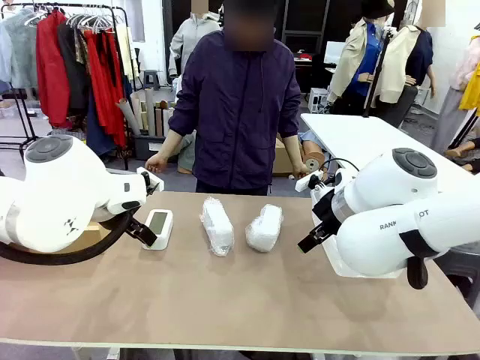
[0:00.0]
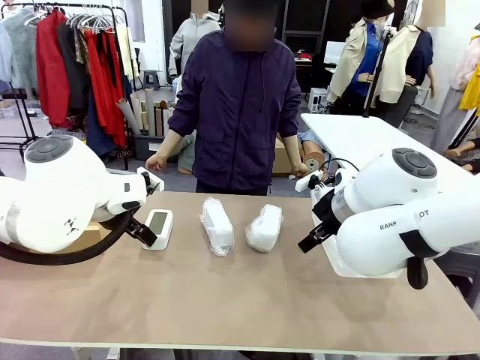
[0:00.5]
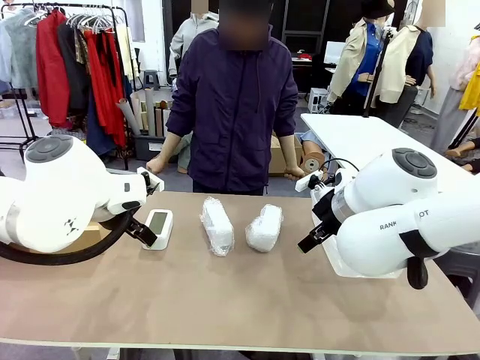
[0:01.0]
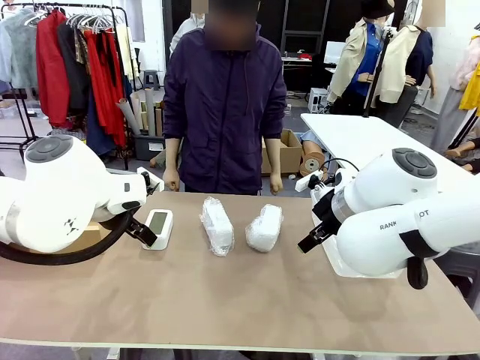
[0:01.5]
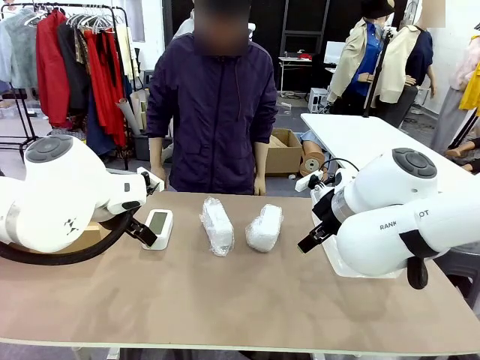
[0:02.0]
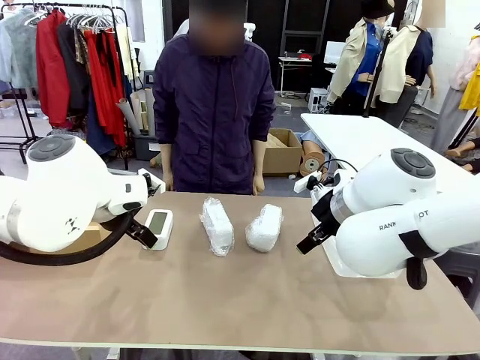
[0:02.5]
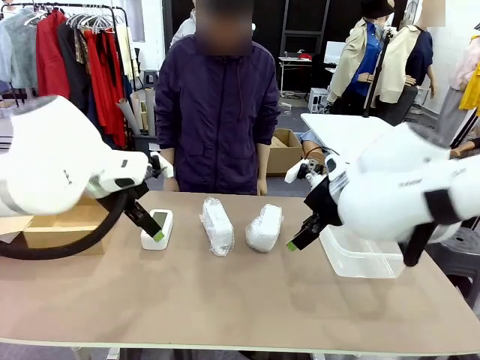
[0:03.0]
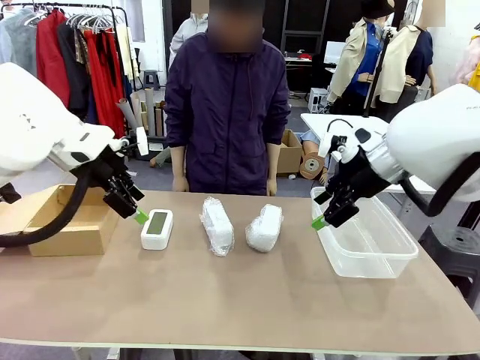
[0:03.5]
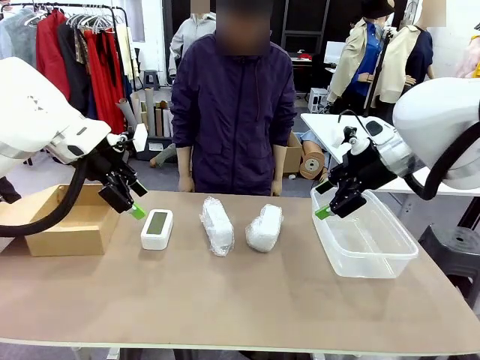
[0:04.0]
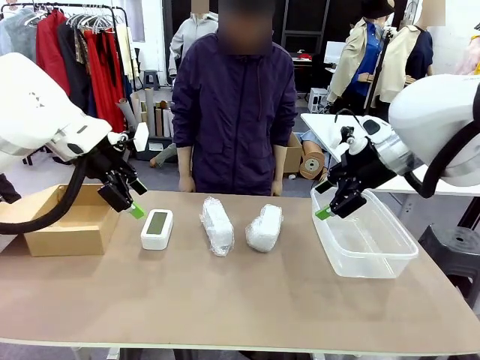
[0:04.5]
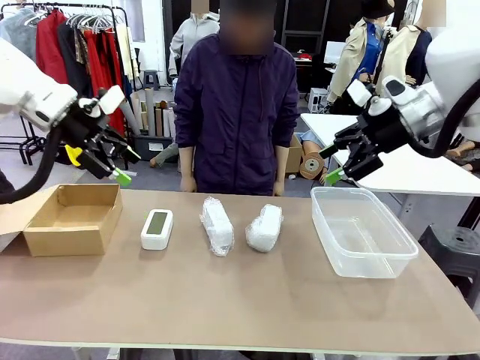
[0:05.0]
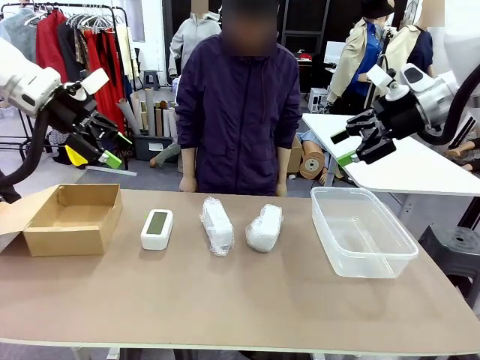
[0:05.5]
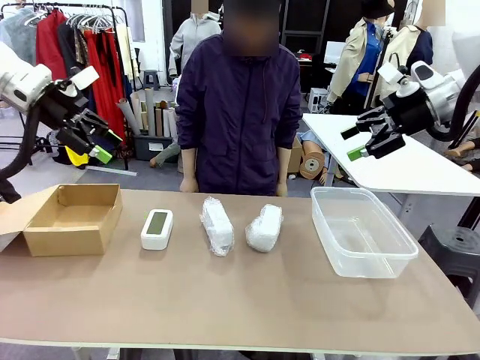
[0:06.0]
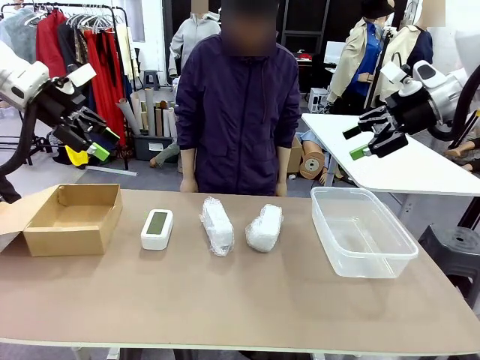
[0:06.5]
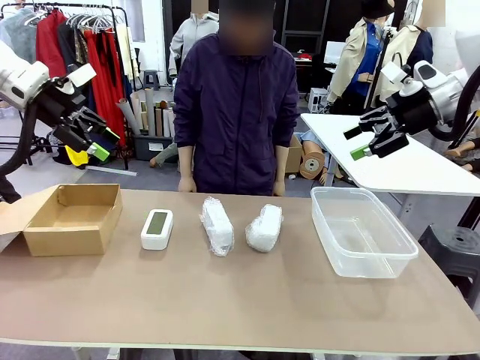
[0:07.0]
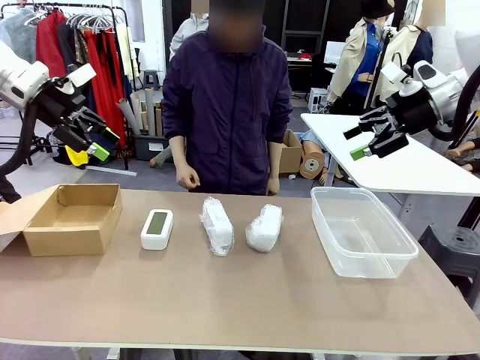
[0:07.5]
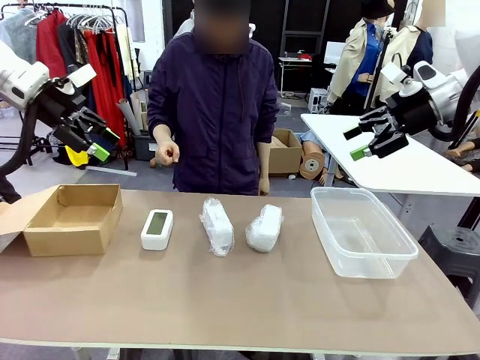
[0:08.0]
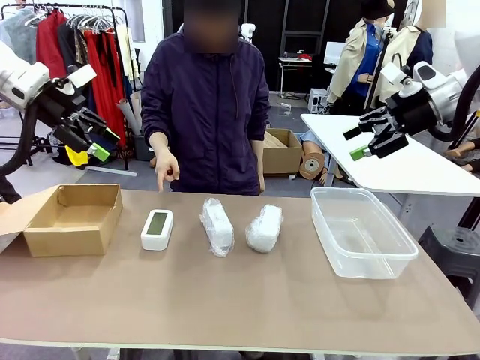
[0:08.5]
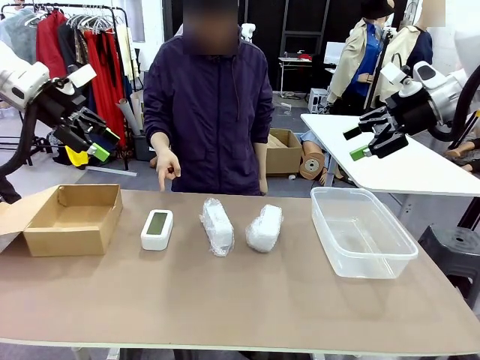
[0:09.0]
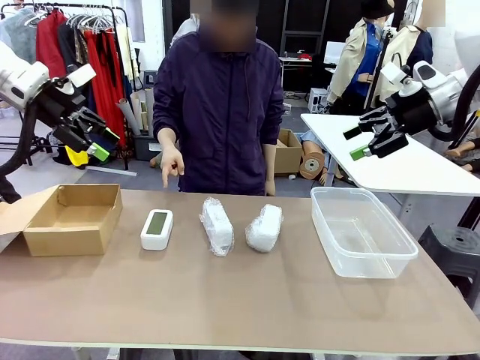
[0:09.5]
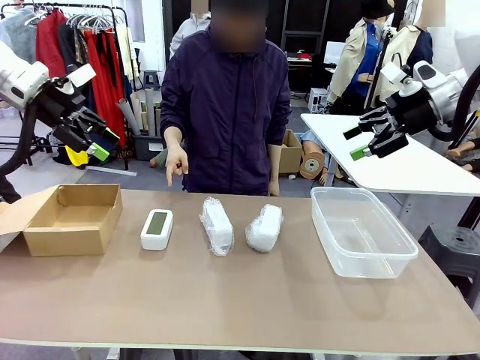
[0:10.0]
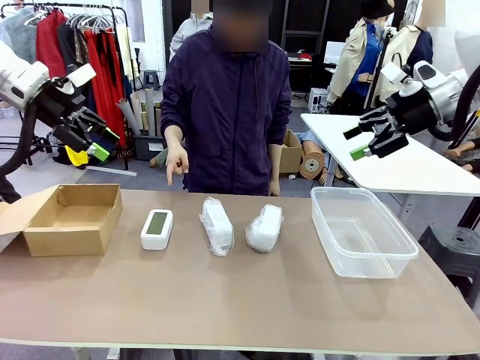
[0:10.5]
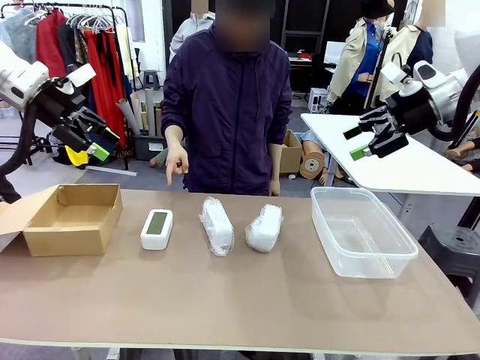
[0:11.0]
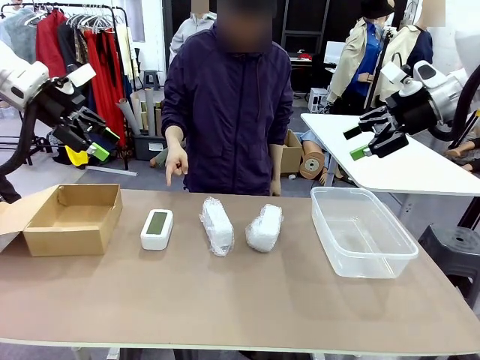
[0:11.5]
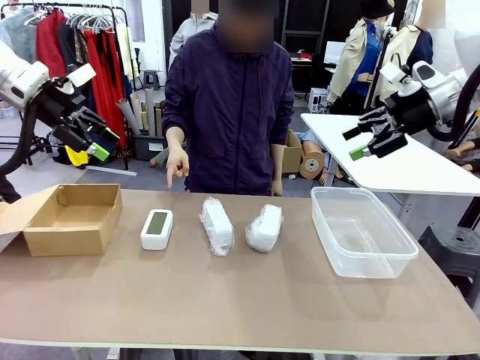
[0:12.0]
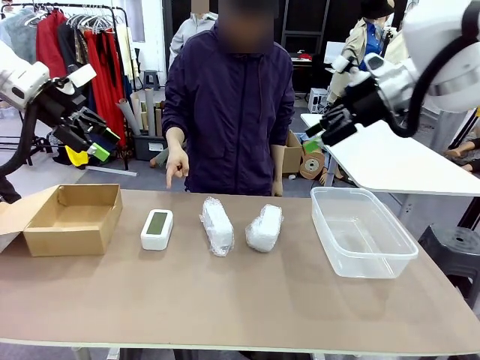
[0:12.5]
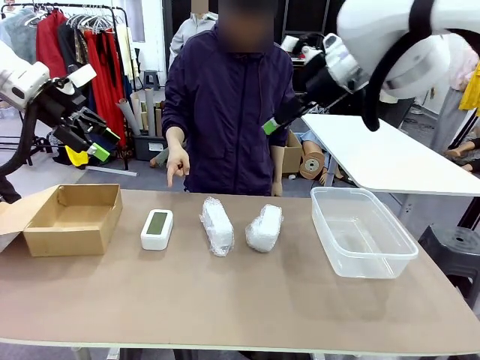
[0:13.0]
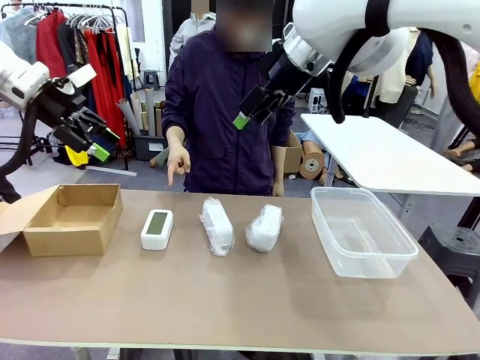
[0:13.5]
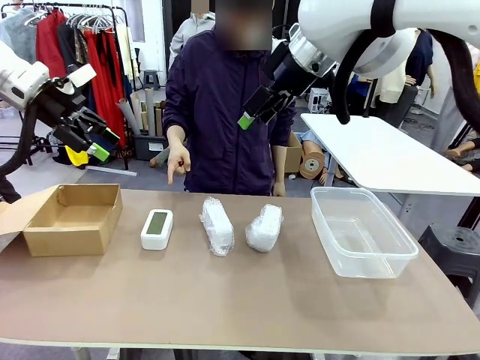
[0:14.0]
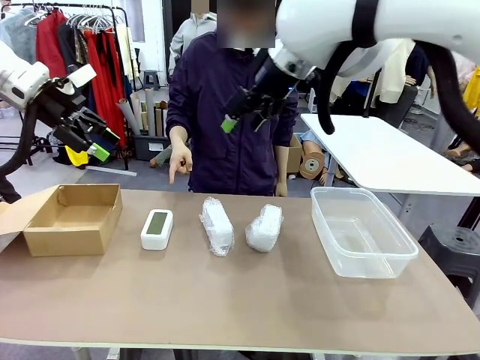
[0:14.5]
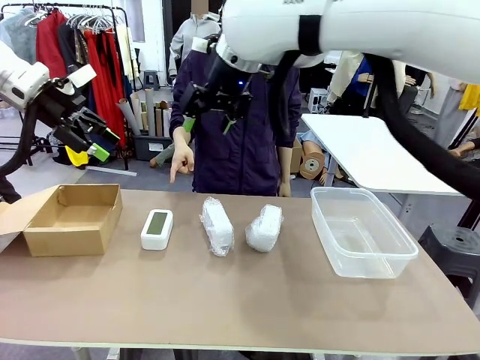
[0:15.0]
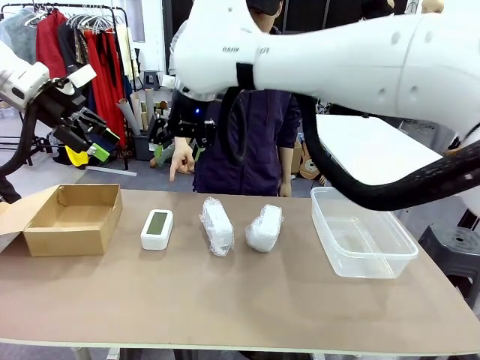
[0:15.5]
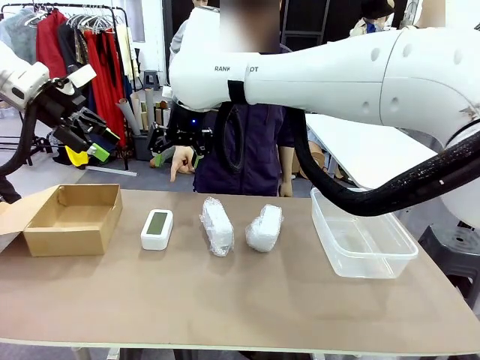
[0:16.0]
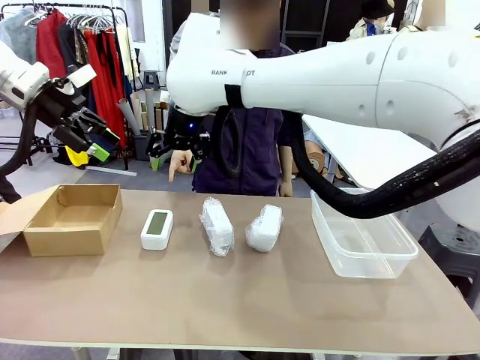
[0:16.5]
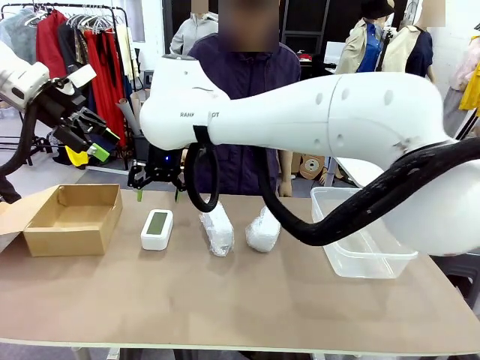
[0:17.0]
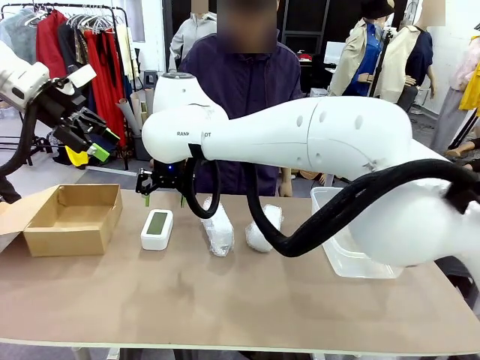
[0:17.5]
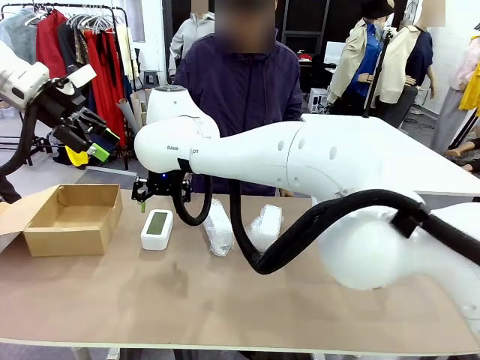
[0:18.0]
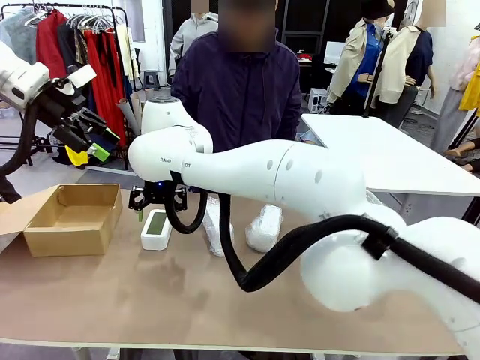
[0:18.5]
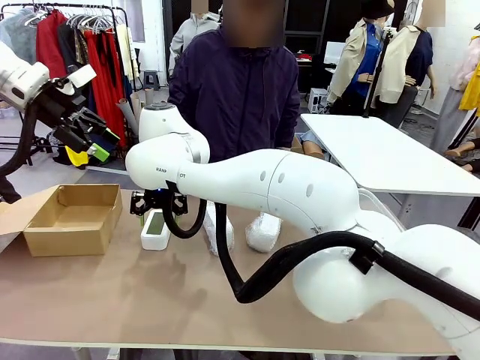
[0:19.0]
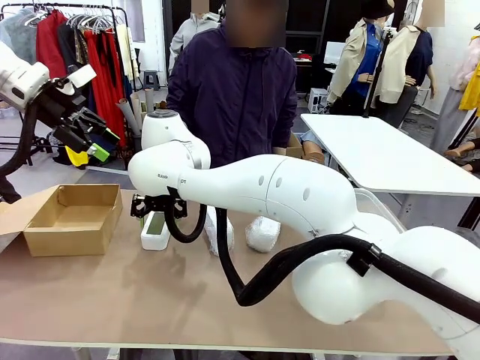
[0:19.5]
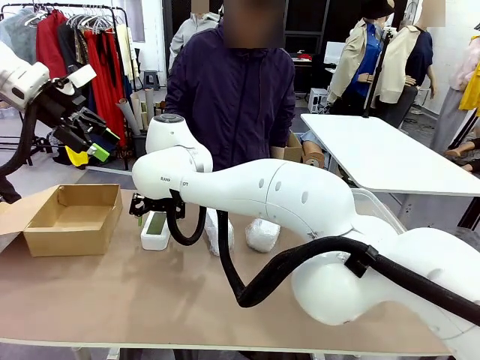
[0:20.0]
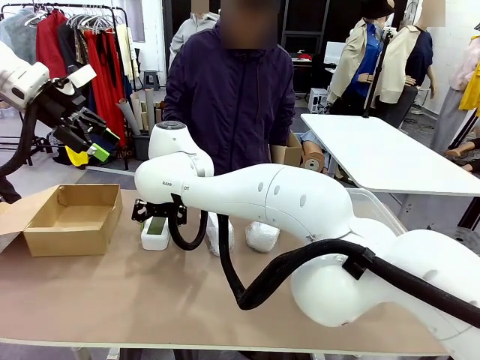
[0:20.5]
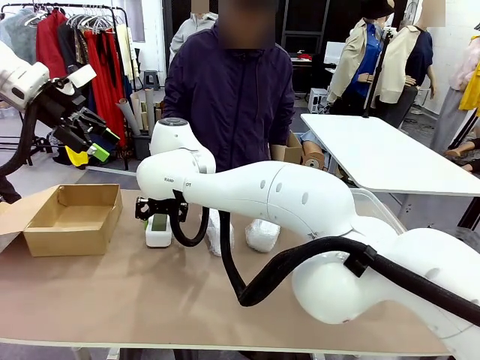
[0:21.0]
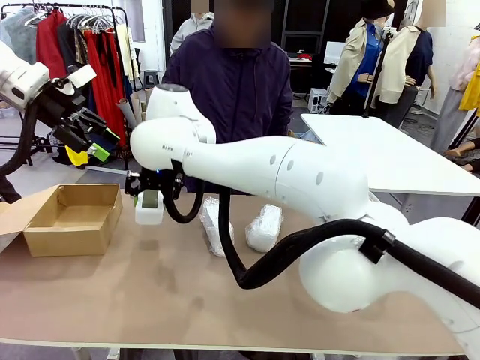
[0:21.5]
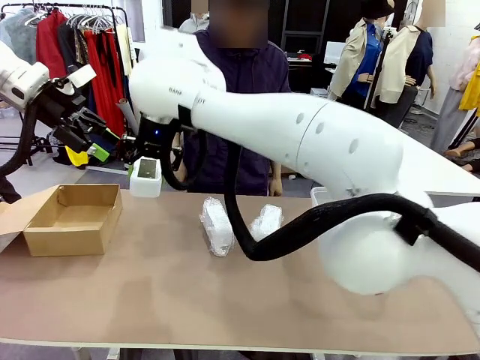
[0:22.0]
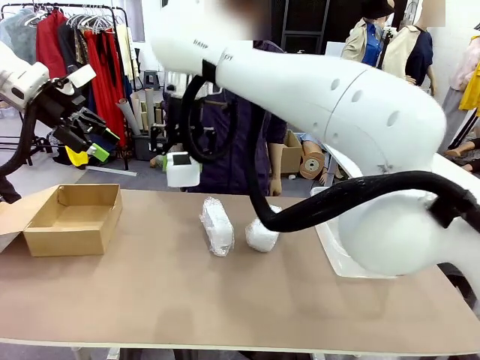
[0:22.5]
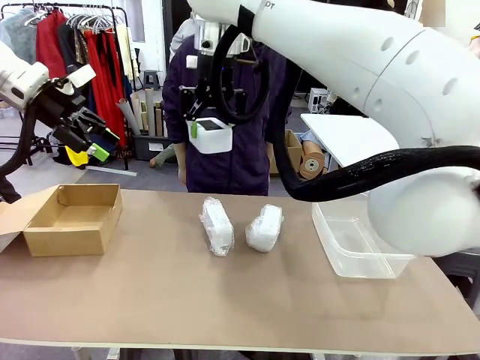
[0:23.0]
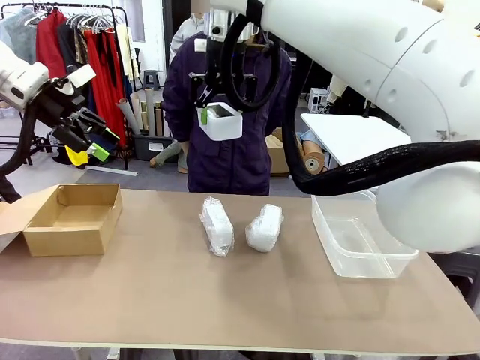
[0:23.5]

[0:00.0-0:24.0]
Task: Separate and place wrapped and unwrapped clocks.
Robot: Pick up the Digital clock indicated by the person.
